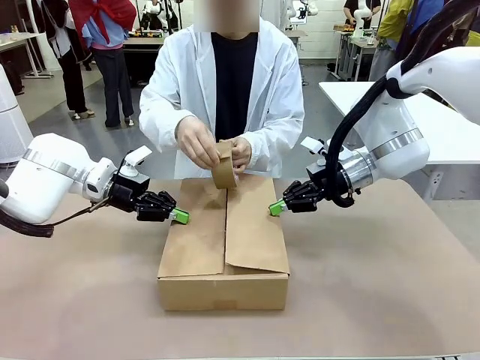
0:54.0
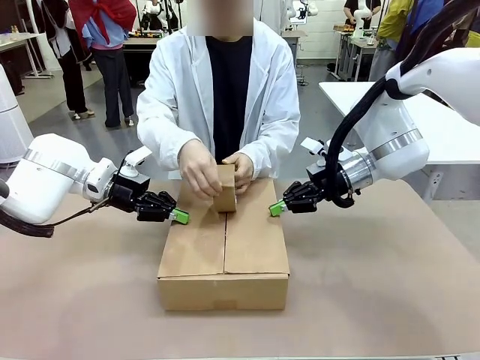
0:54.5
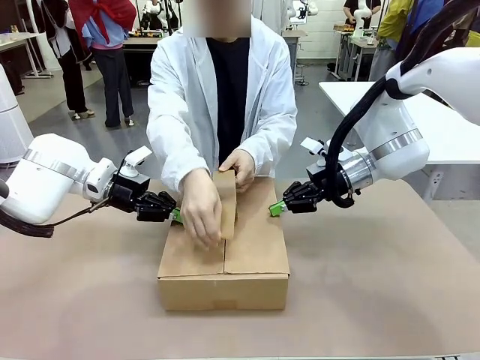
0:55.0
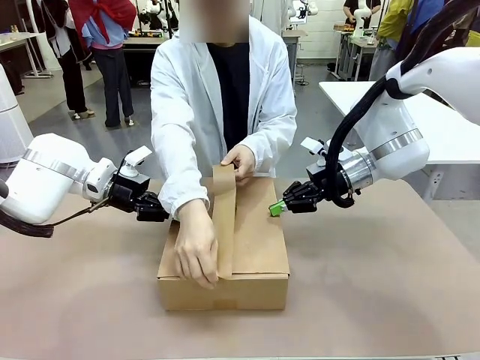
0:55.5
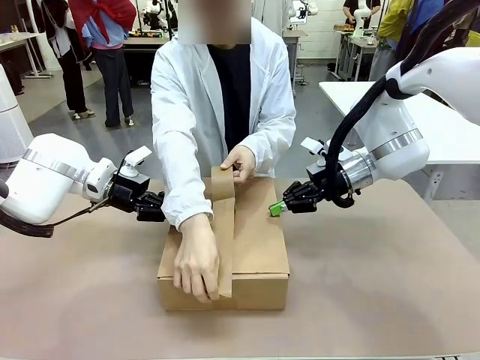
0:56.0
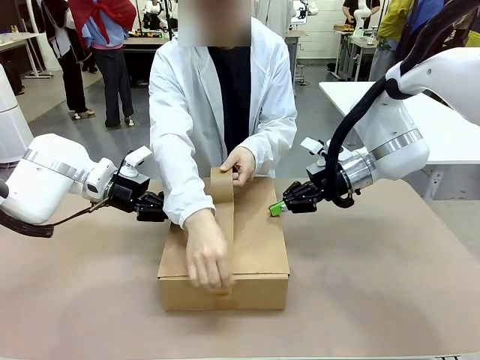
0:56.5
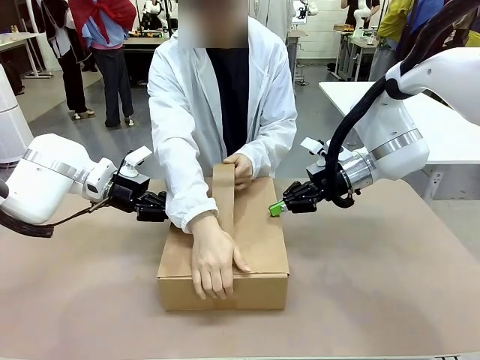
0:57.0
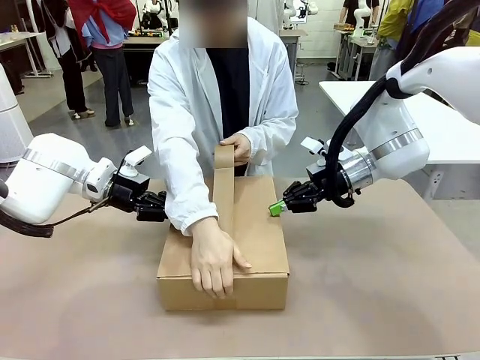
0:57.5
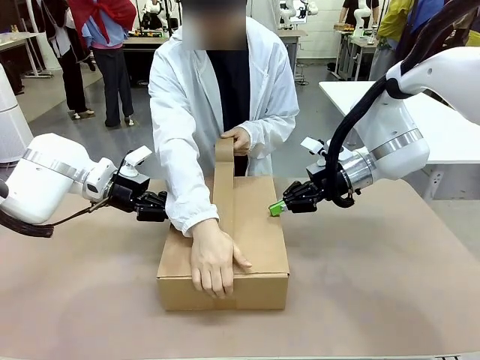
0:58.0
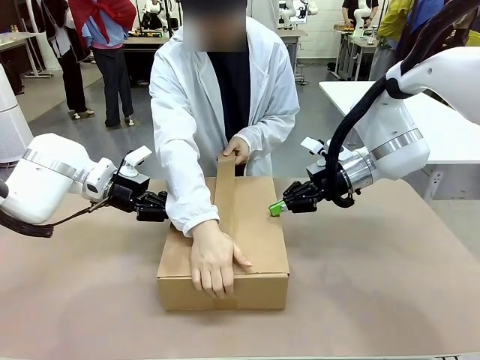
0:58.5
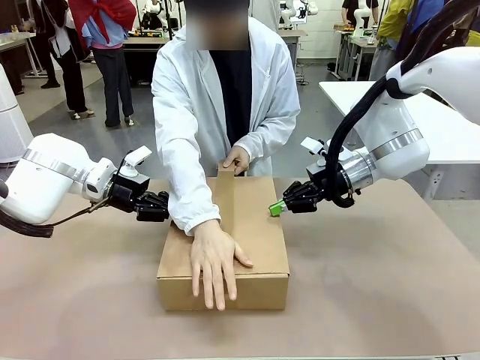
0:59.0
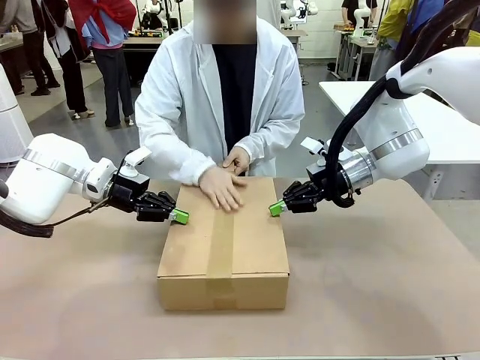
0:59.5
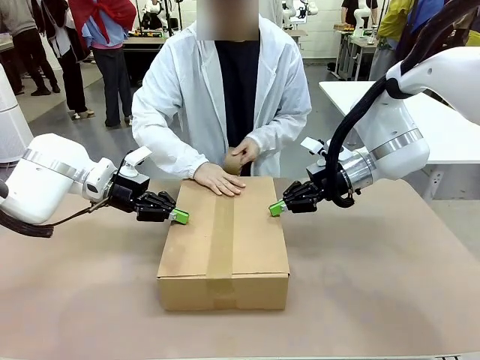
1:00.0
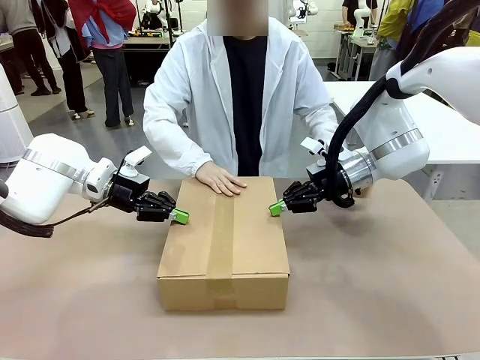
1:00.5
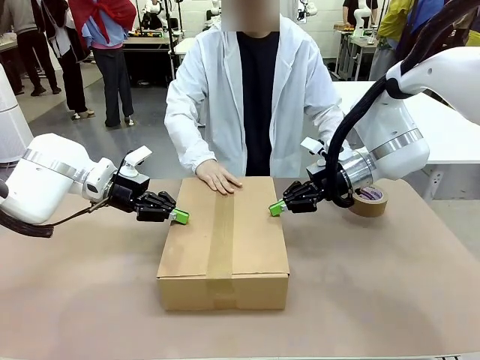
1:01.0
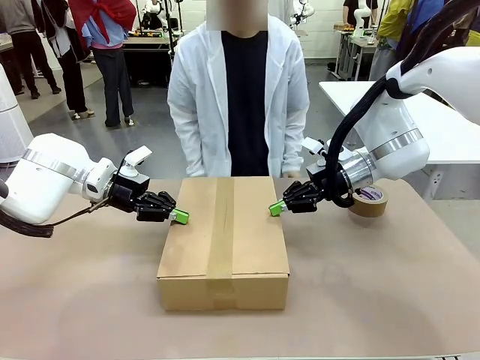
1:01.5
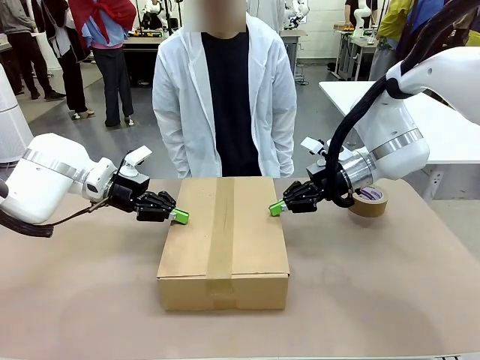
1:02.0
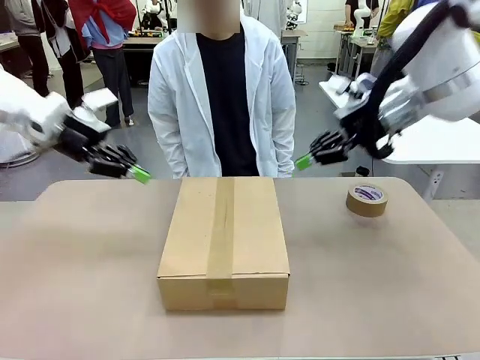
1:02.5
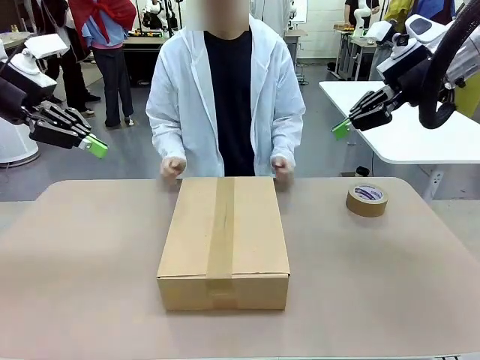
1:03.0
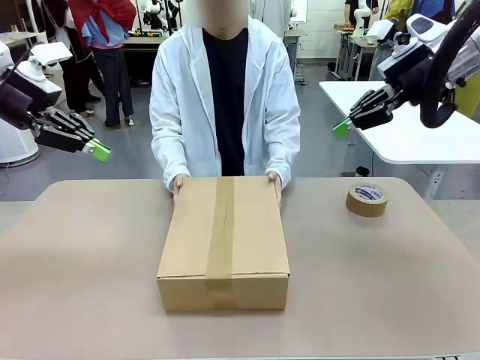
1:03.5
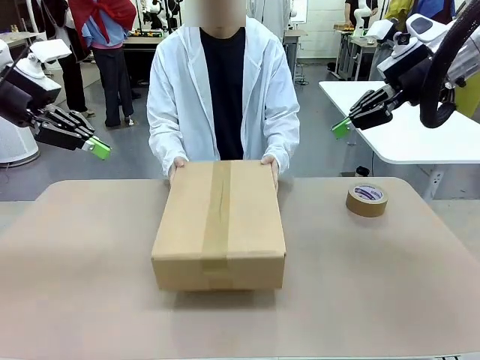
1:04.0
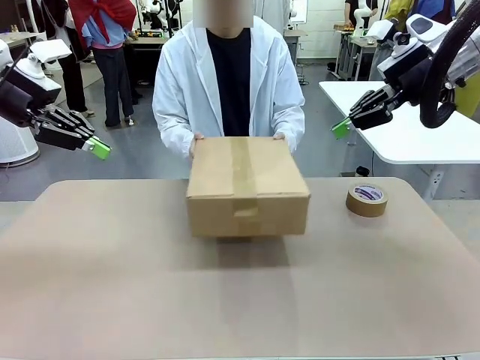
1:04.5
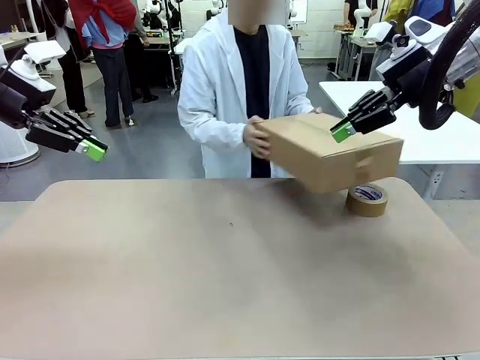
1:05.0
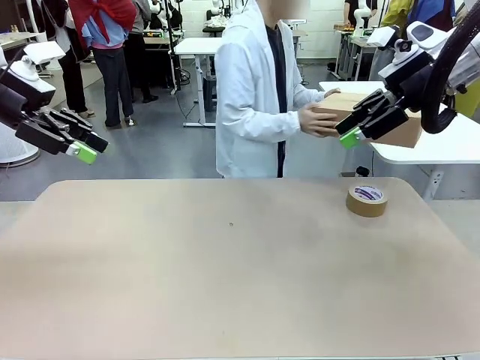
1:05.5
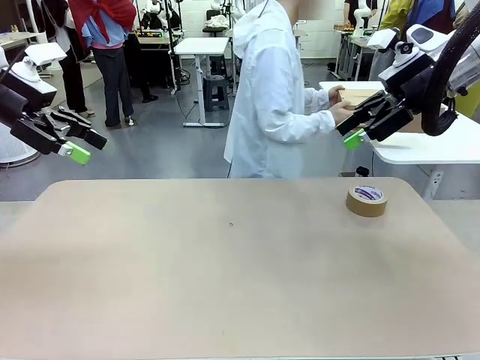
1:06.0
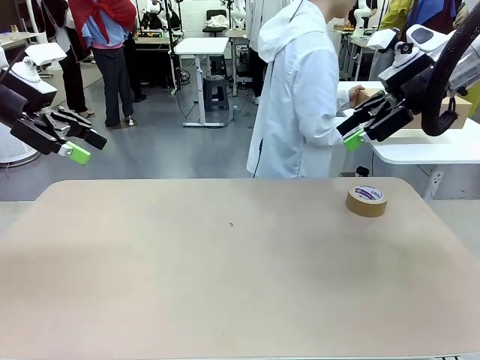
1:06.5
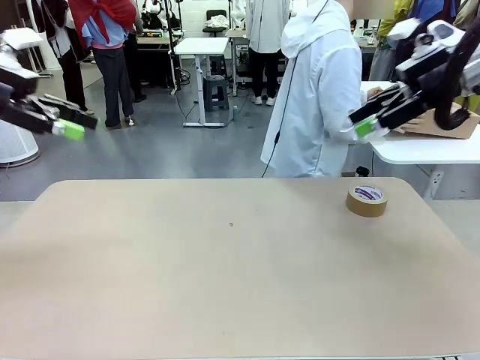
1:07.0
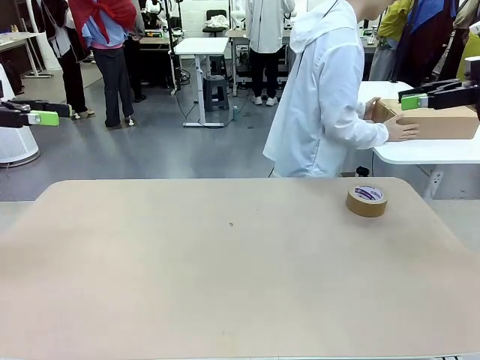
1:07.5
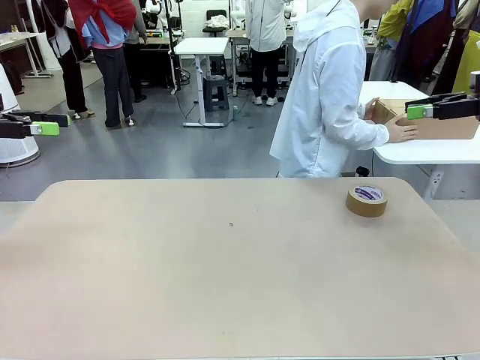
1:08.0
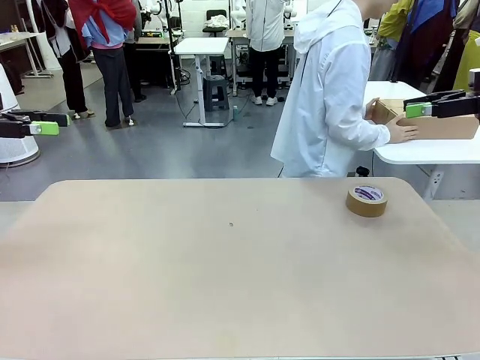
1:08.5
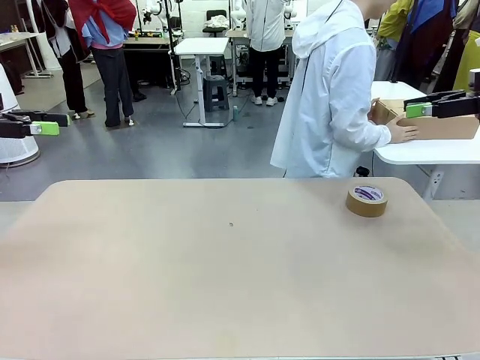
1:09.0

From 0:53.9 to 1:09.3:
Task: Wrap the clocks to prevent damage.
Robot: After the human seals the box with tape, release both hands from the side flaps of the Package Box.
Person: Once the robot closes the left flap of the Package Box , seal the box with Paper Tape. Place sealed Package Box in the middle of the human's table.

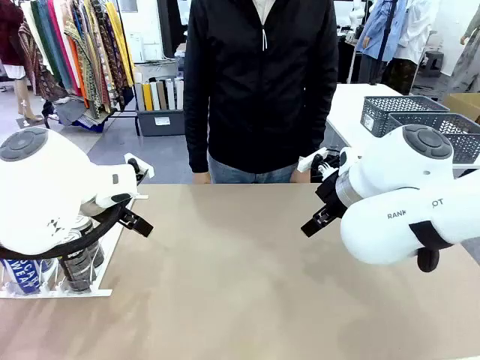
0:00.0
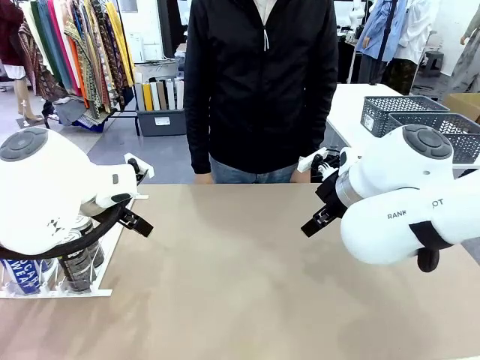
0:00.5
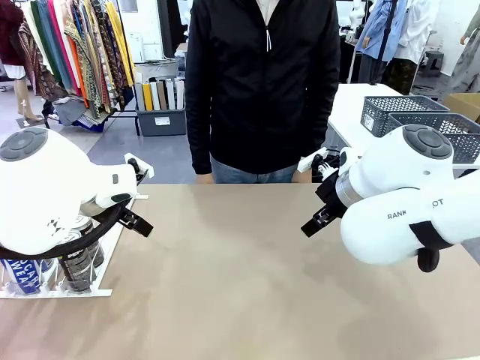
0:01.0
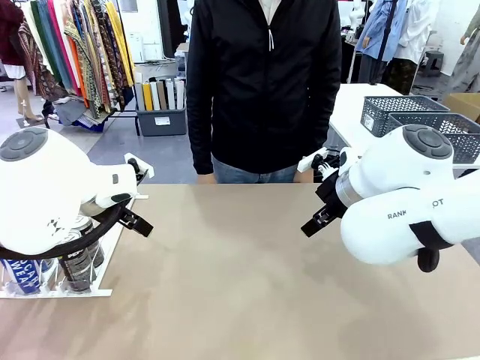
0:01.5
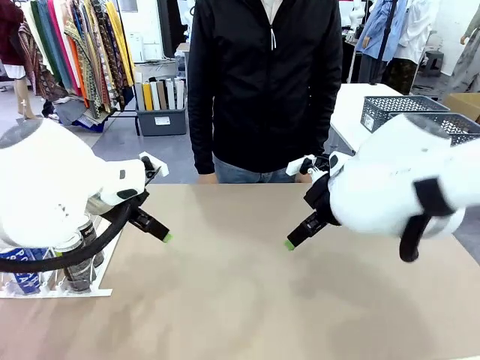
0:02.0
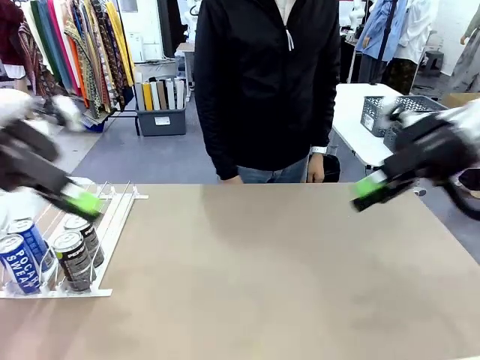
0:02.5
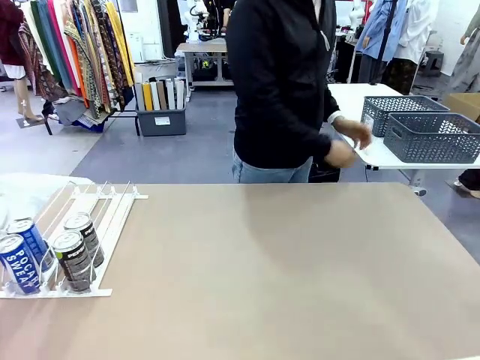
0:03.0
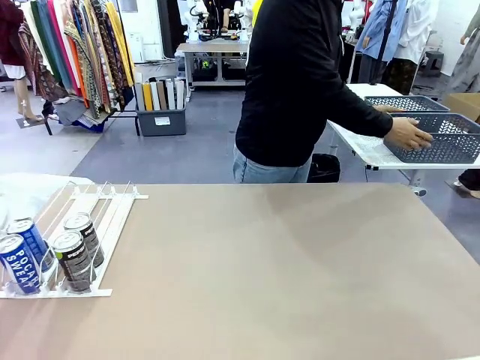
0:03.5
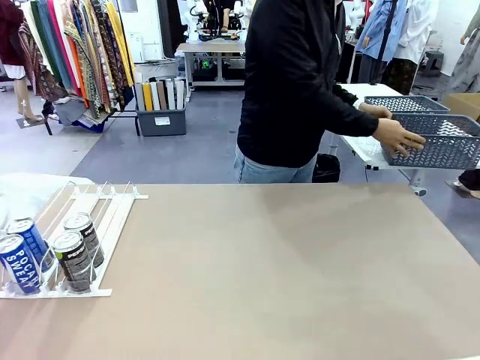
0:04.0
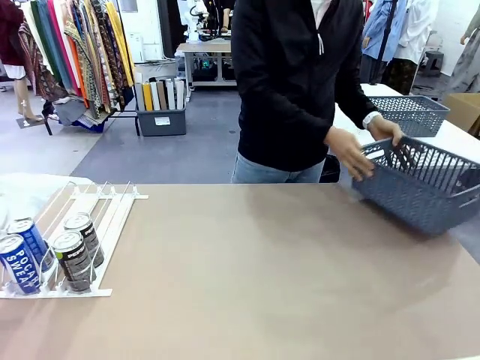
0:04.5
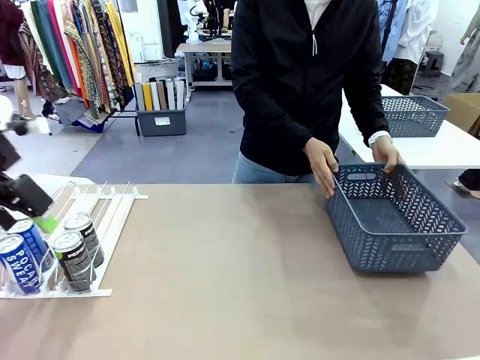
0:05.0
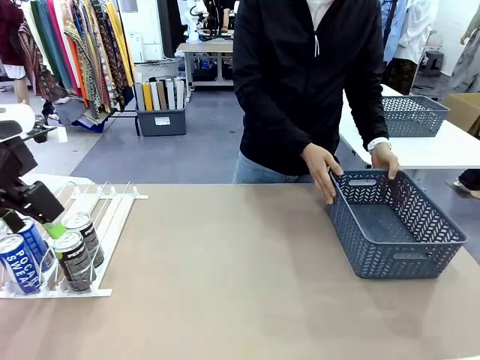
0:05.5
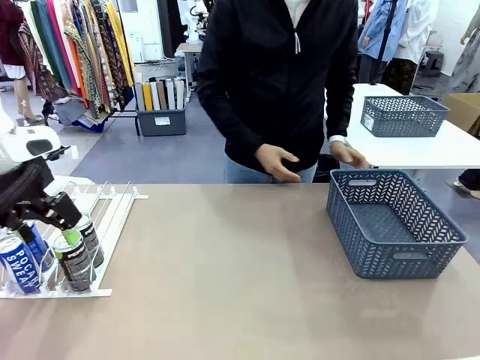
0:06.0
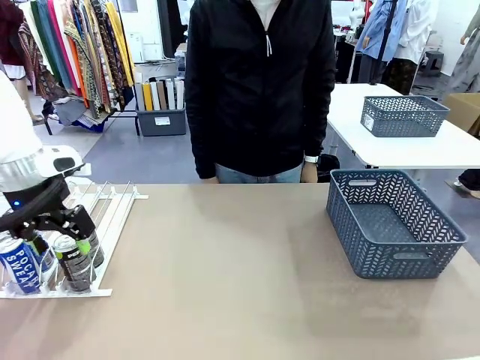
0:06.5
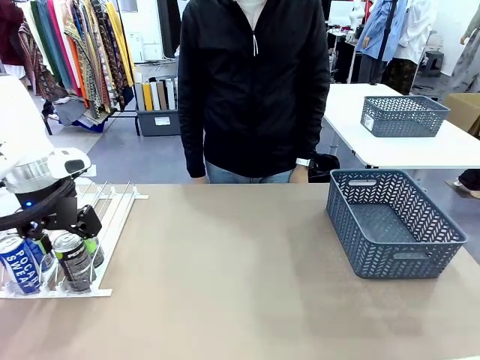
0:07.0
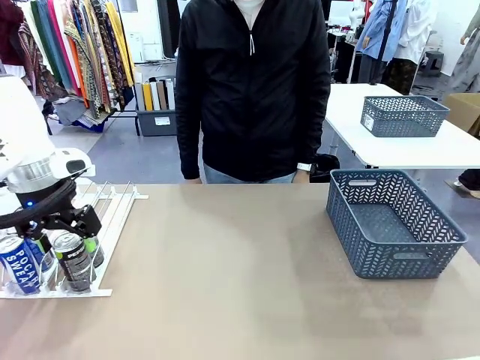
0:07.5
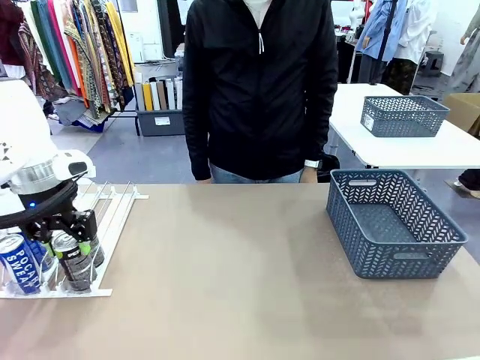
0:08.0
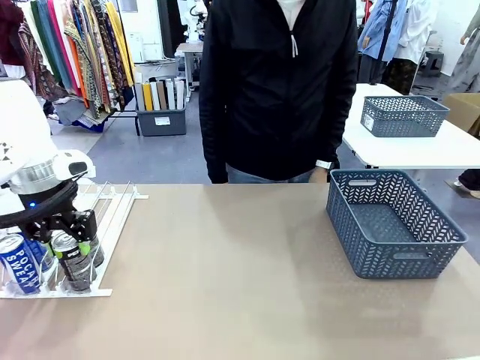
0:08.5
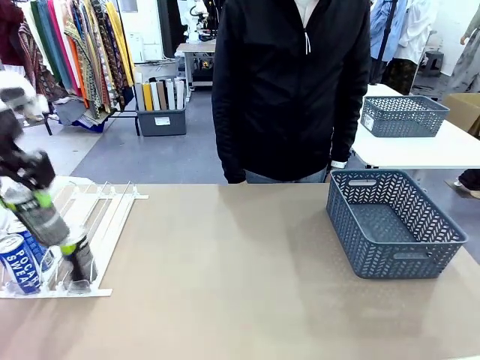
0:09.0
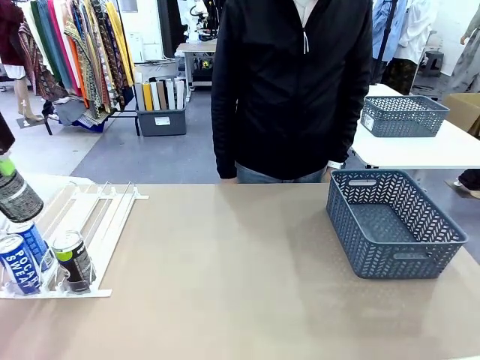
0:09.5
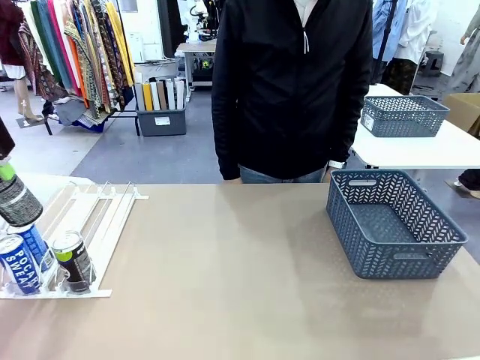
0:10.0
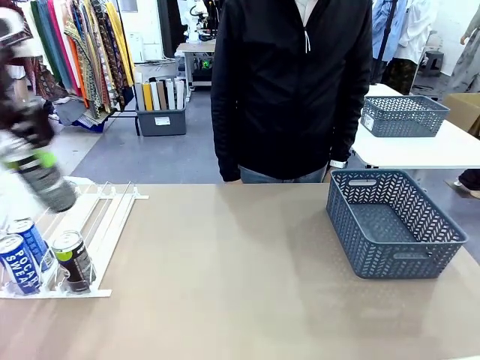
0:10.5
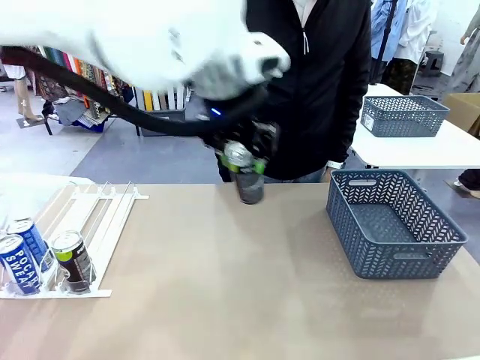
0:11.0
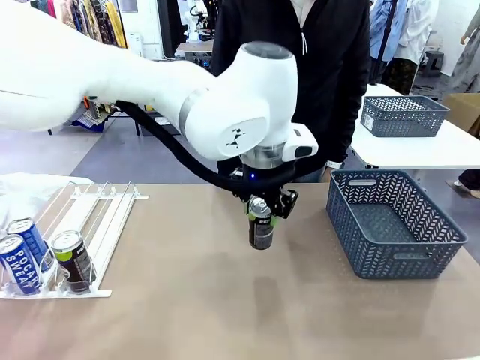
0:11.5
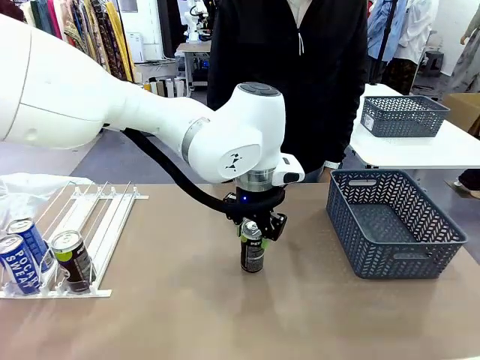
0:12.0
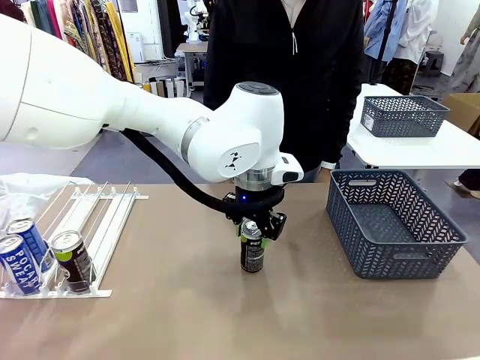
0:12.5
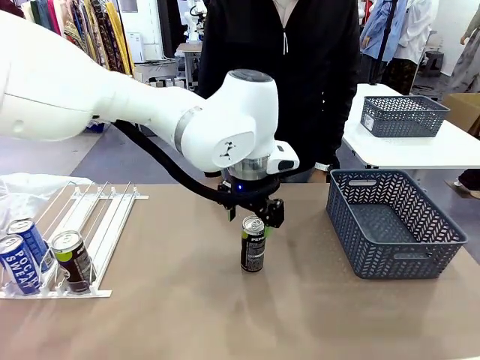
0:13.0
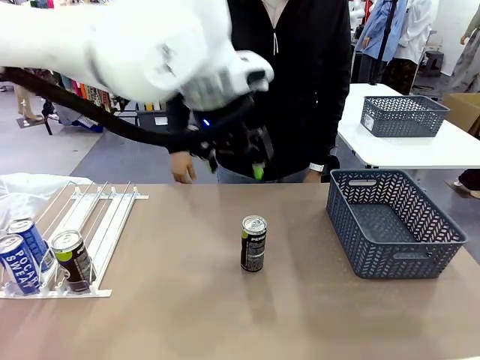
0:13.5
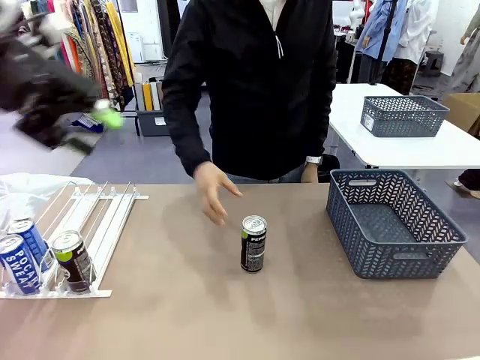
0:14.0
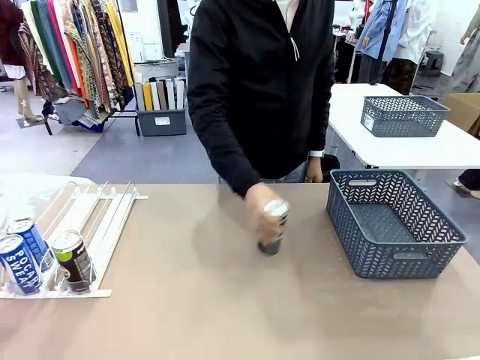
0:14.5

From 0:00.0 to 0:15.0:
Task: Retrieve and store the cans from the dispenser.
Robot: Pick up one can from the Automatic Can Dispenser and place it in the middle of the table.
Person: Pick up the basket and place it on the left side of the robot table.
